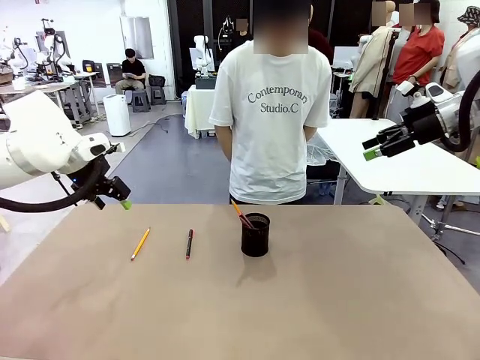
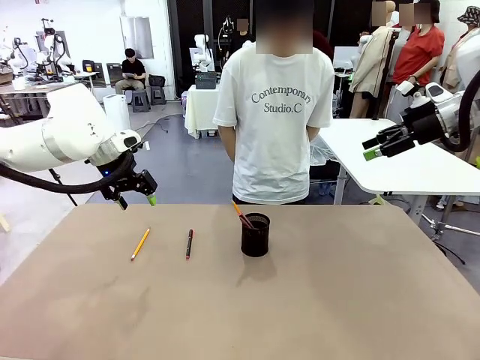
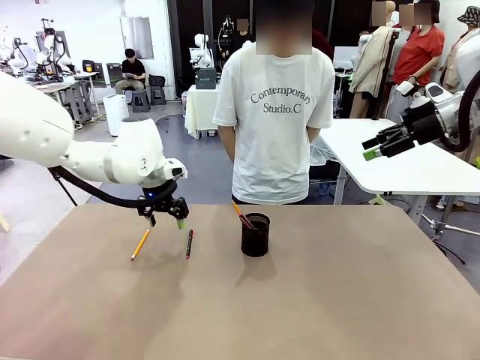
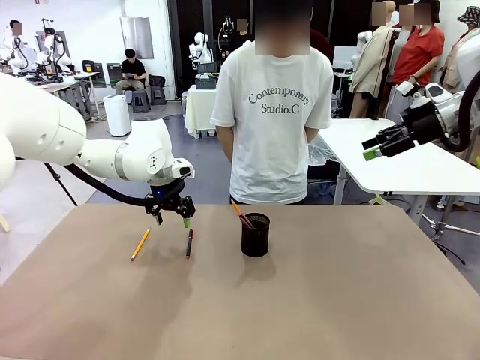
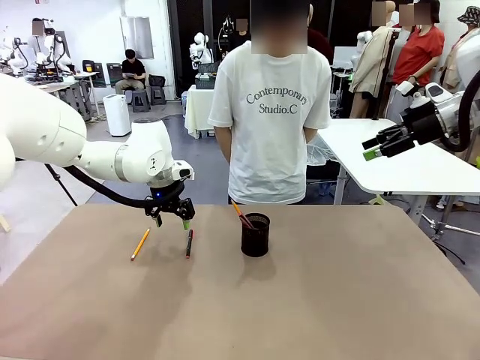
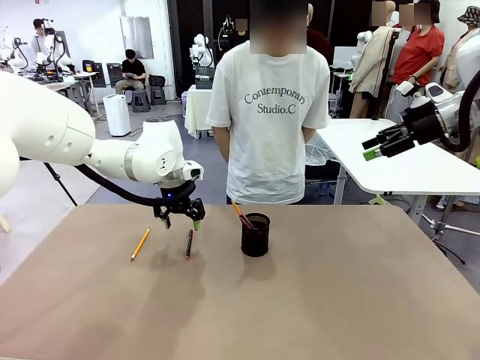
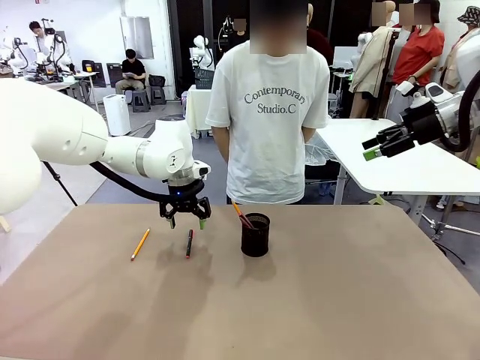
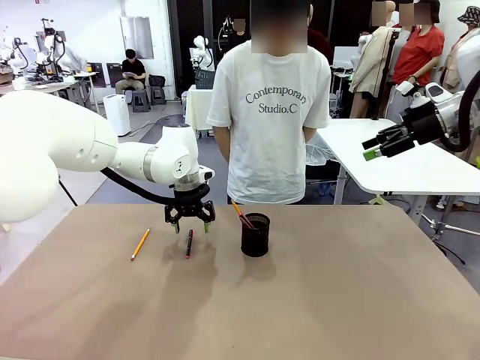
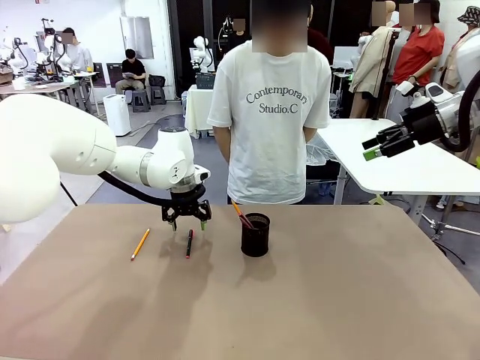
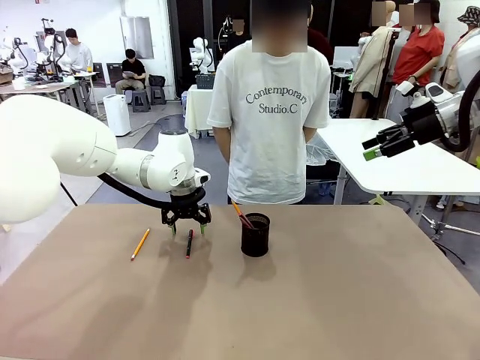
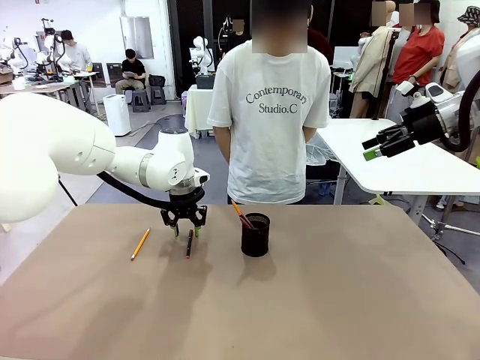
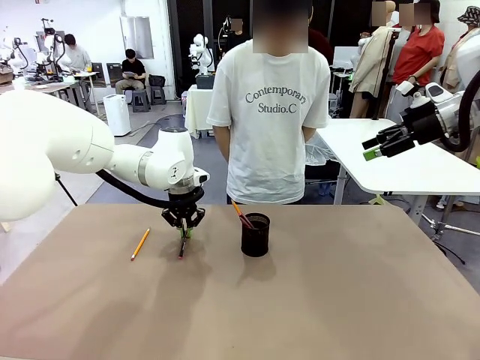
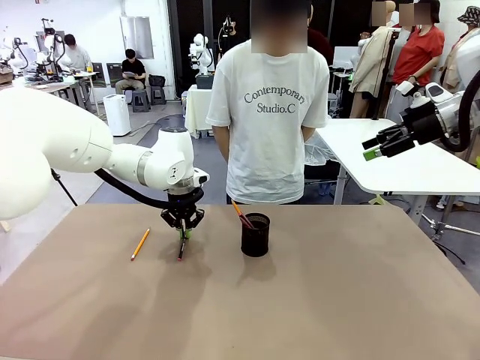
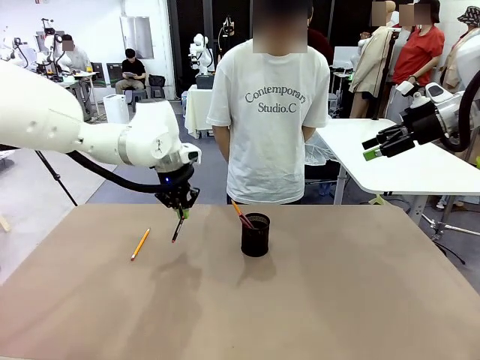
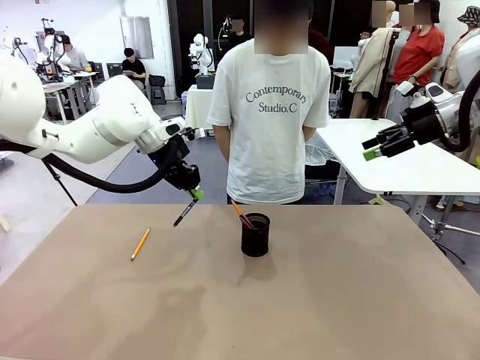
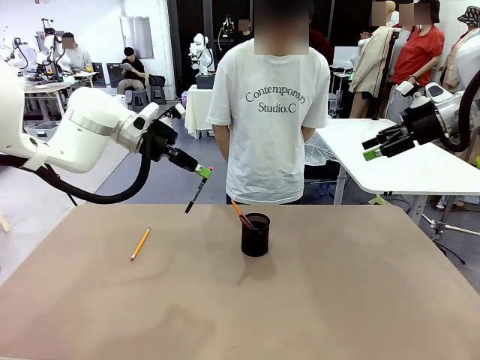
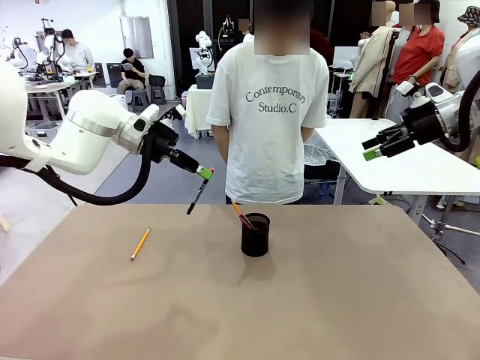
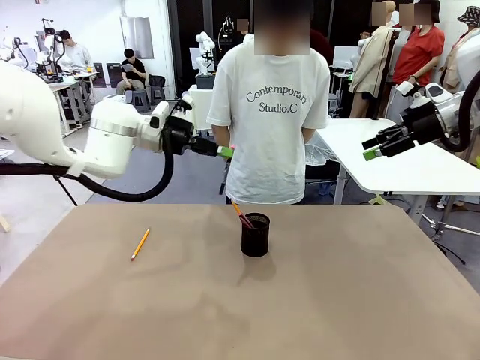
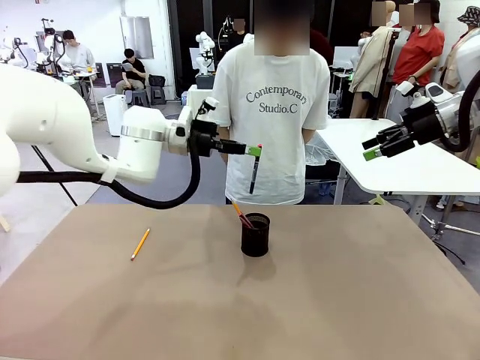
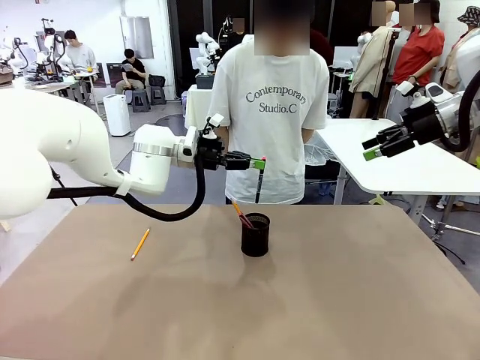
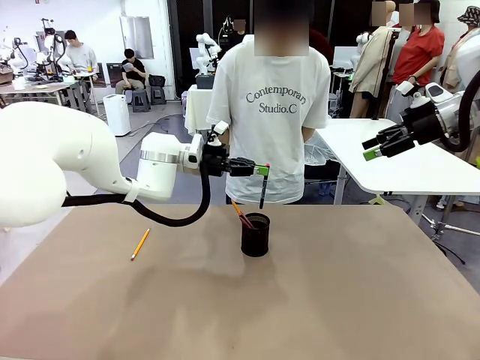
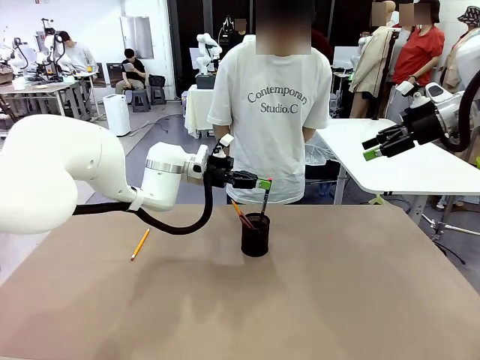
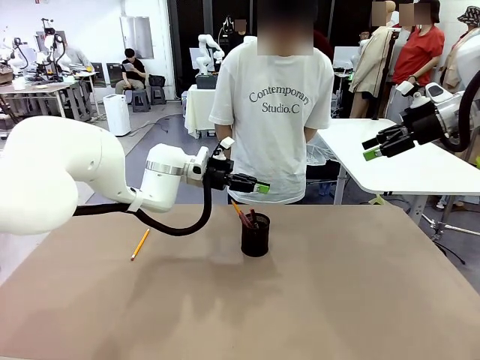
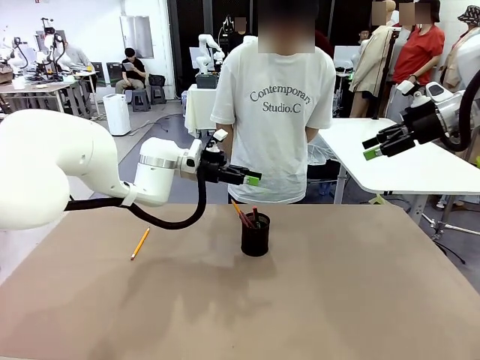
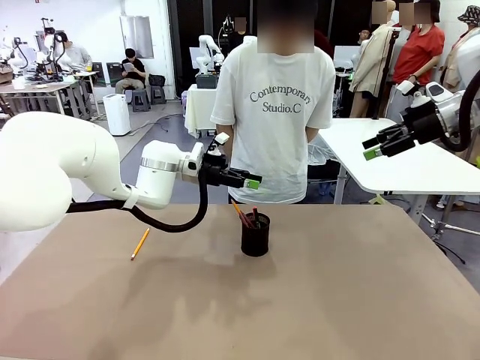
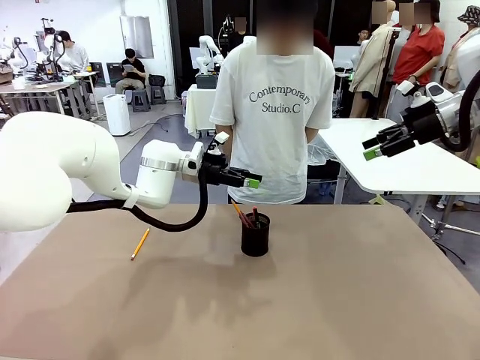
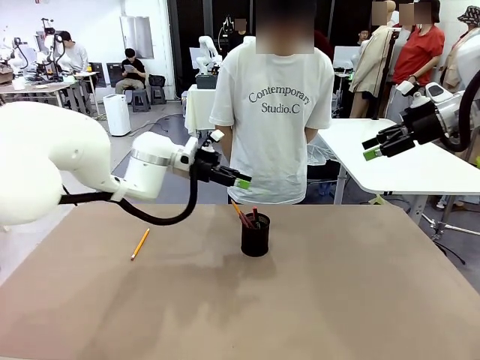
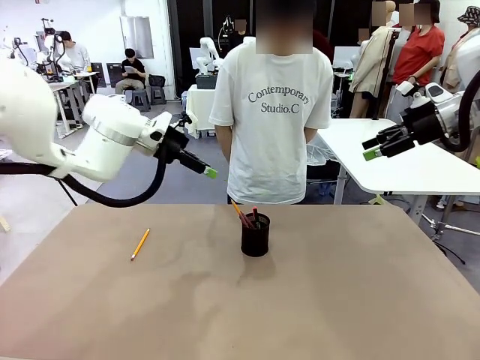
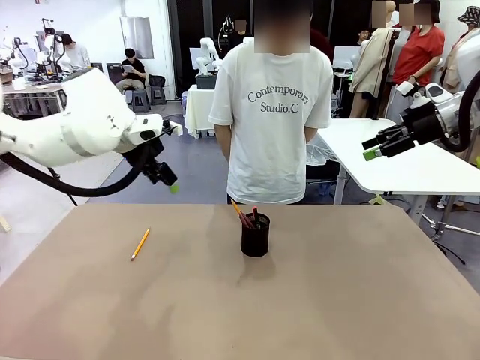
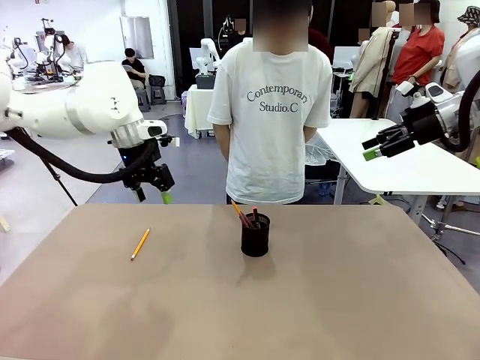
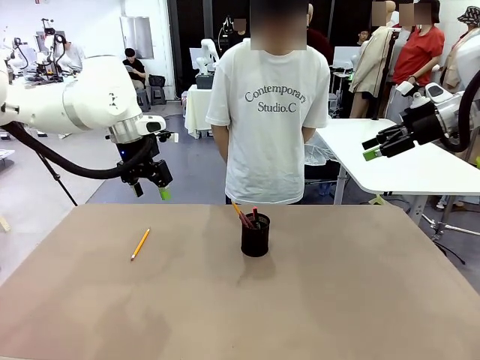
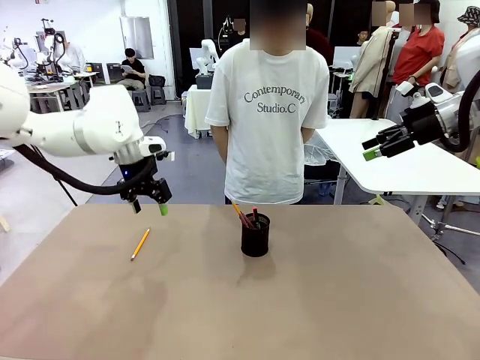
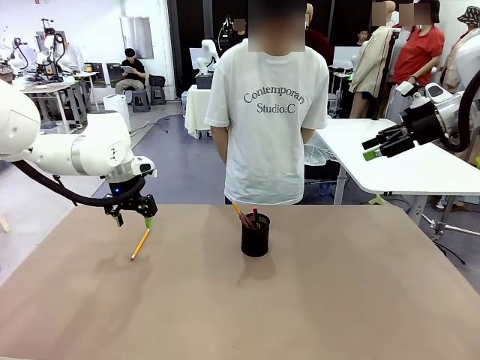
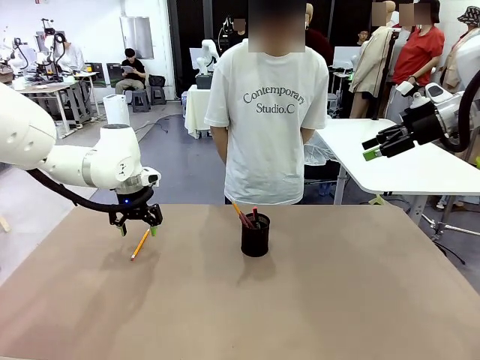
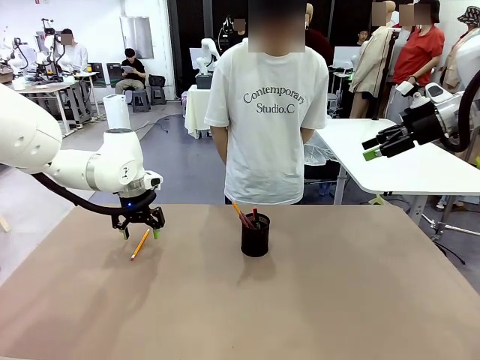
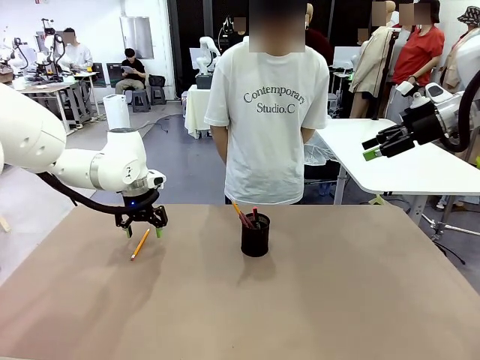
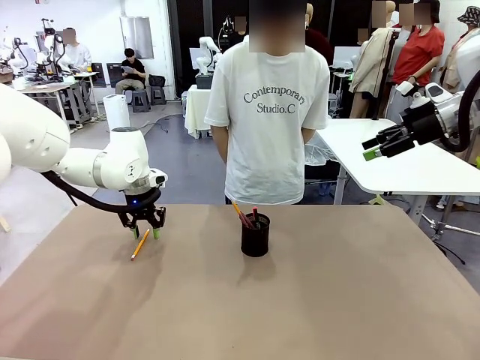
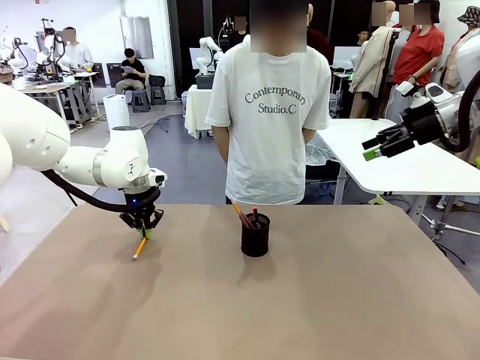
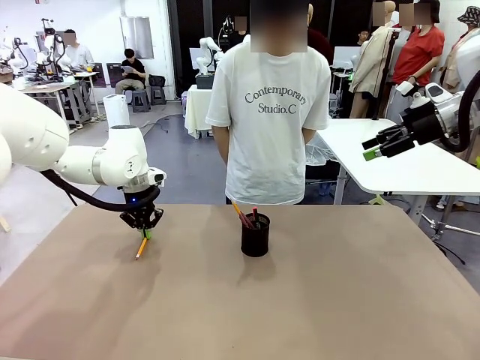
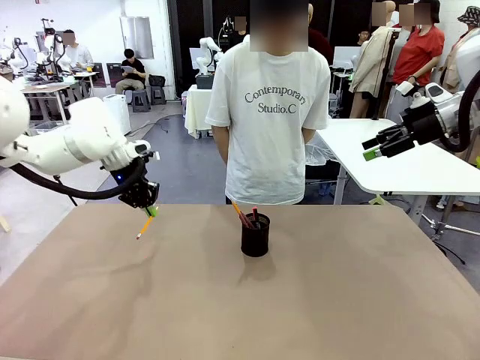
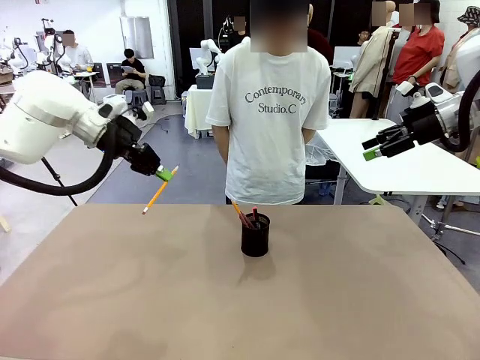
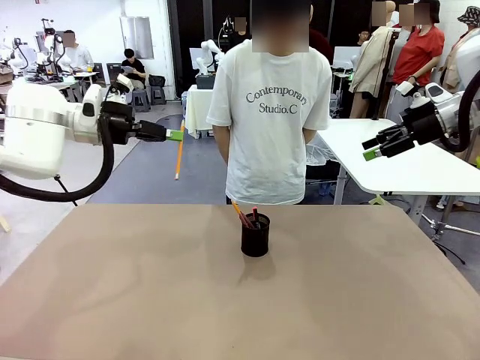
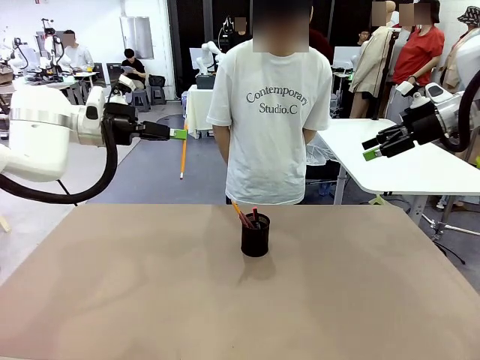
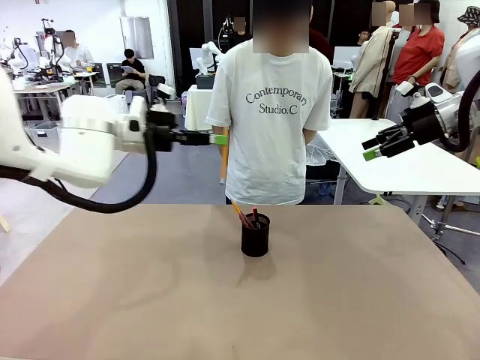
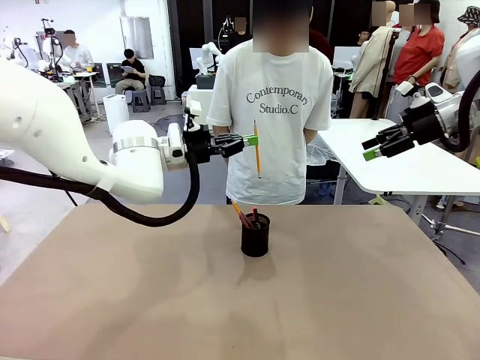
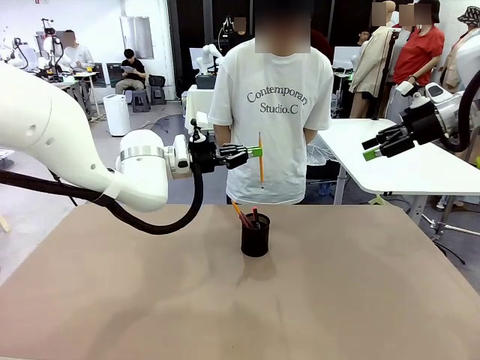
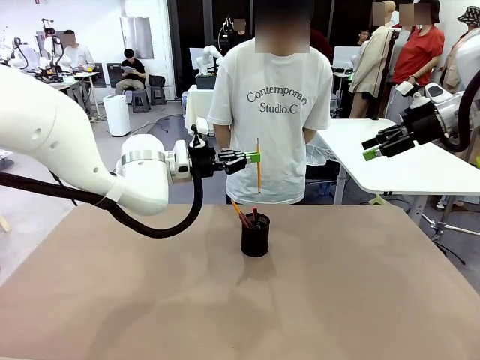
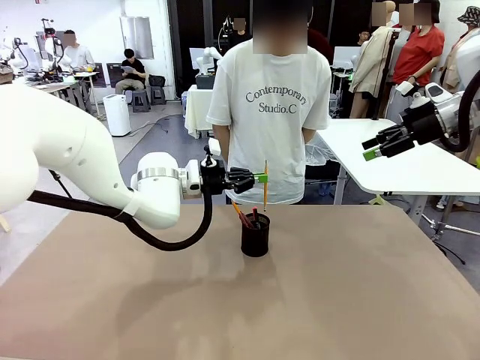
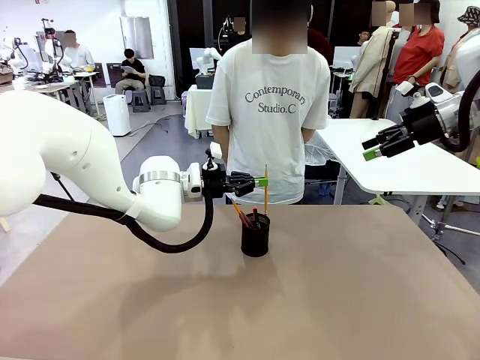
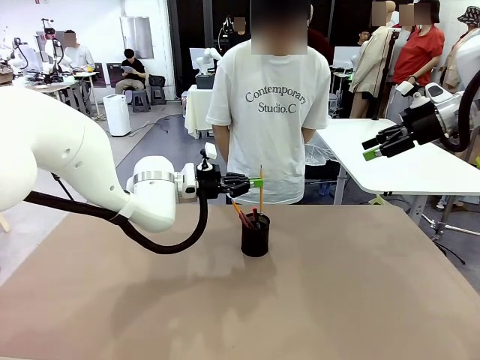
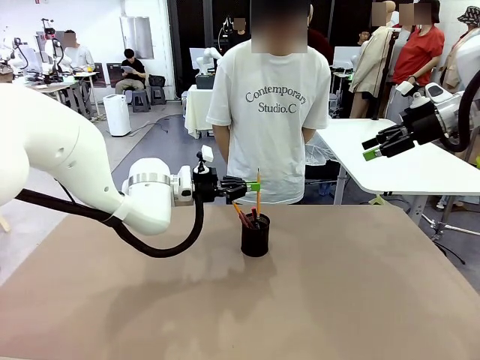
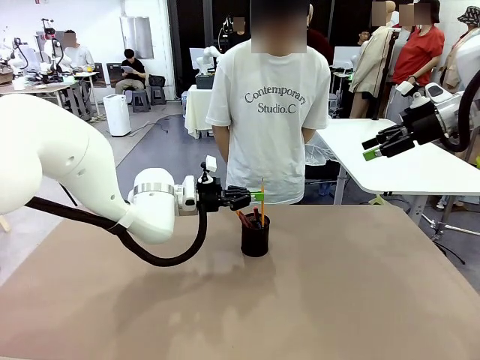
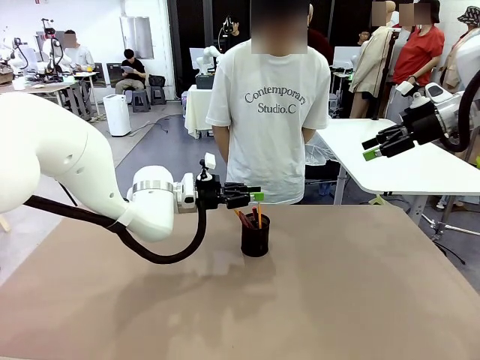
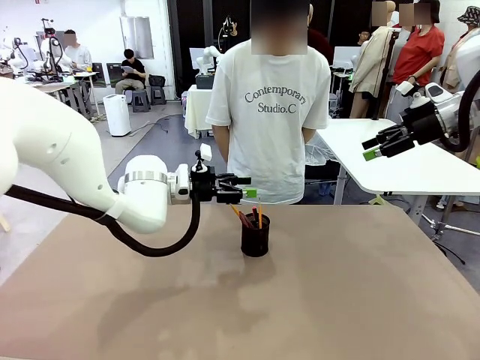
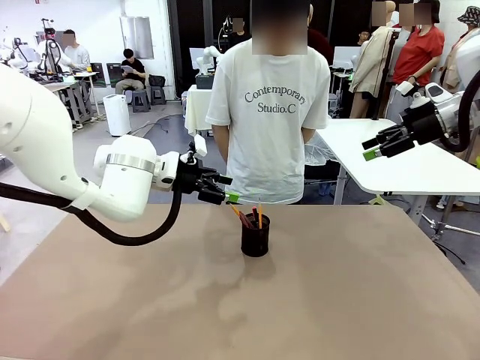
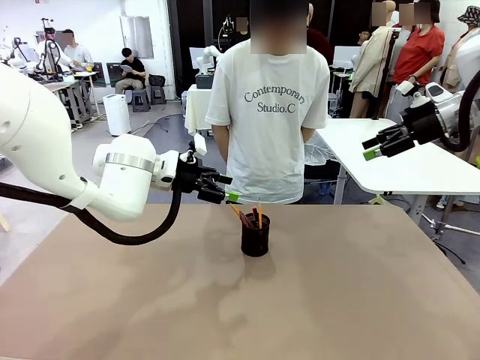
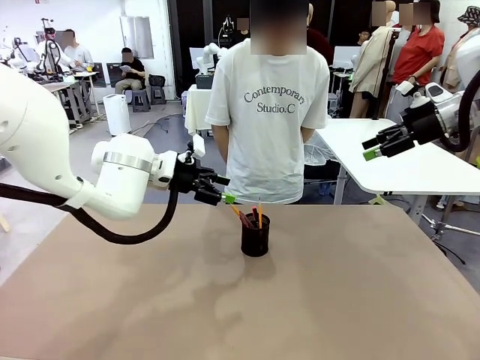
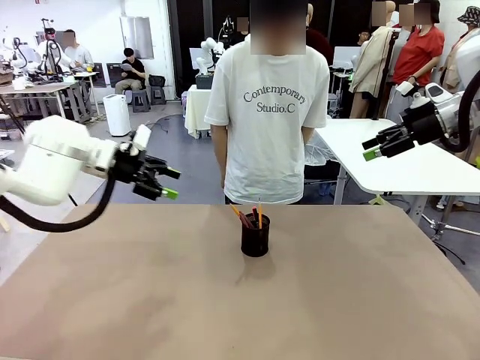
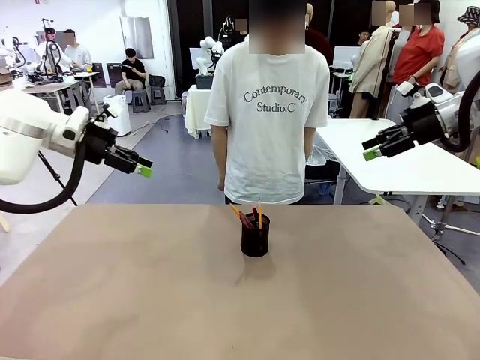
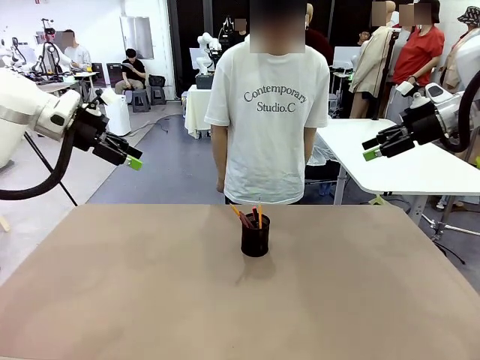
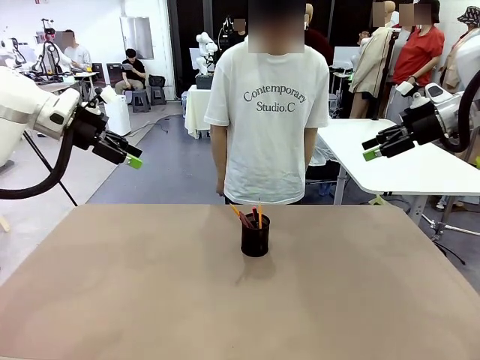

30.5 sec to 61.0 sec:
Task: Place the pens into the pen holder.
Robot: Pick up a writing instrument from the table and place it into the Pen holder.
Person: Place all writing instrument into the Pen holder.
